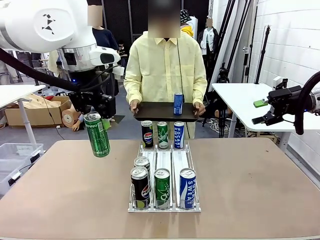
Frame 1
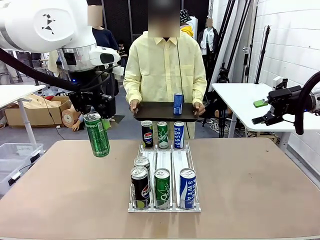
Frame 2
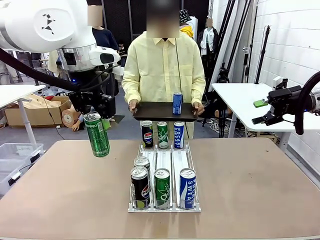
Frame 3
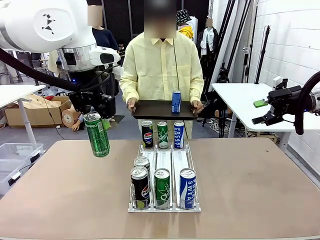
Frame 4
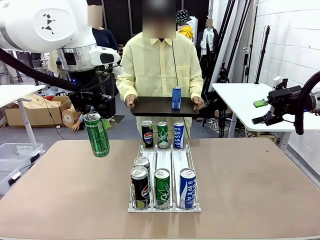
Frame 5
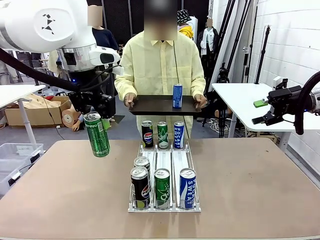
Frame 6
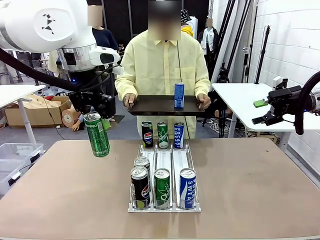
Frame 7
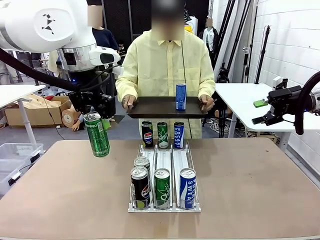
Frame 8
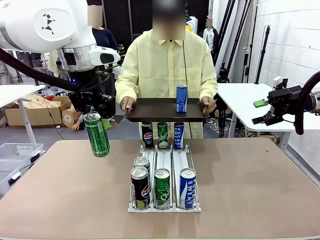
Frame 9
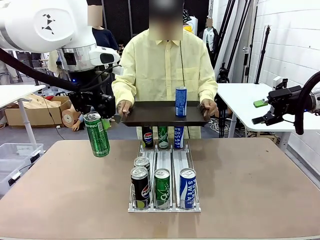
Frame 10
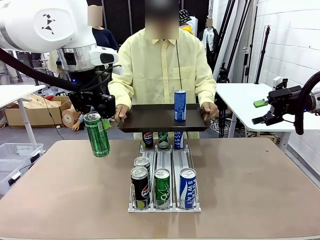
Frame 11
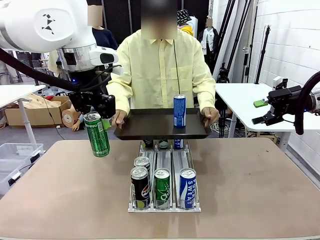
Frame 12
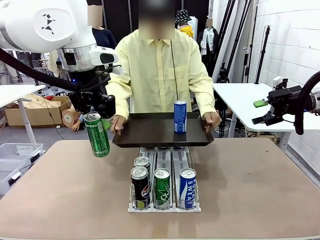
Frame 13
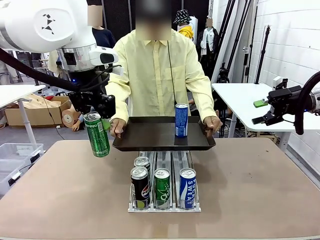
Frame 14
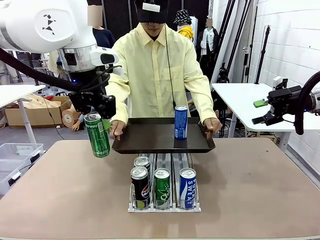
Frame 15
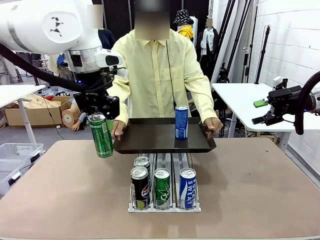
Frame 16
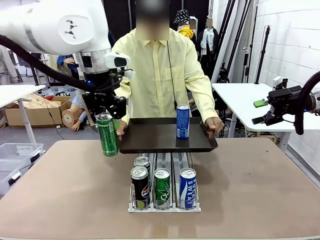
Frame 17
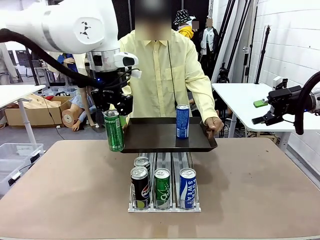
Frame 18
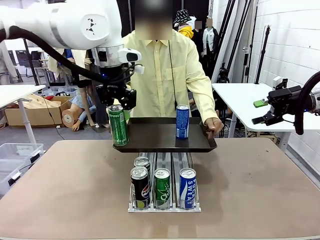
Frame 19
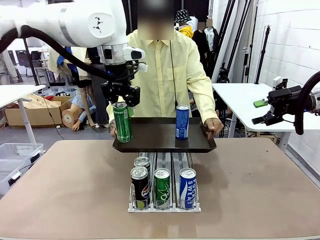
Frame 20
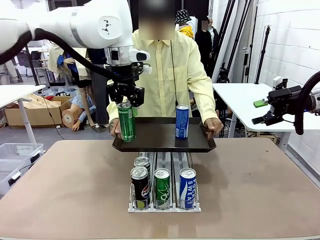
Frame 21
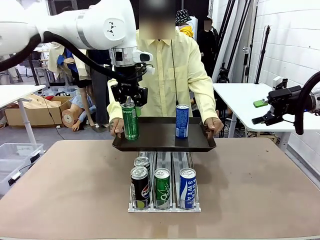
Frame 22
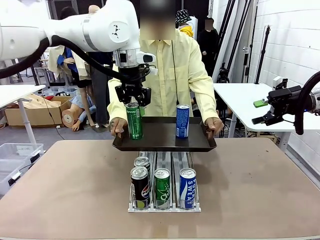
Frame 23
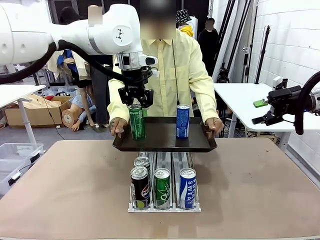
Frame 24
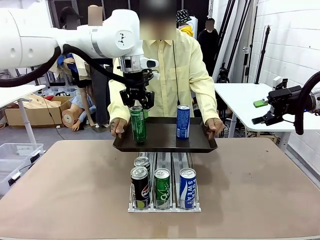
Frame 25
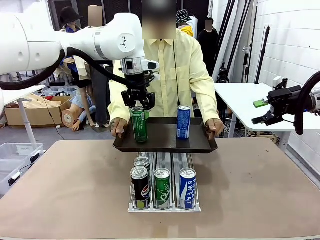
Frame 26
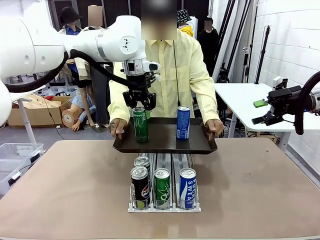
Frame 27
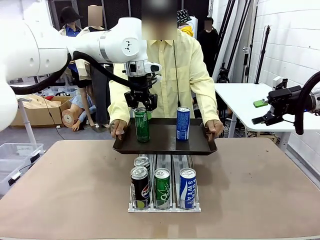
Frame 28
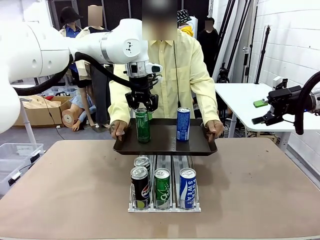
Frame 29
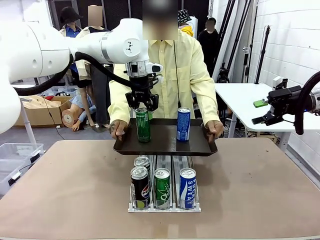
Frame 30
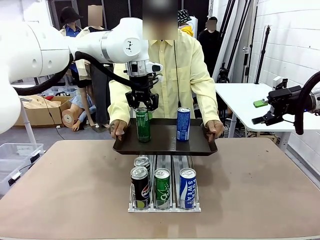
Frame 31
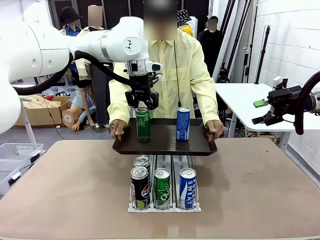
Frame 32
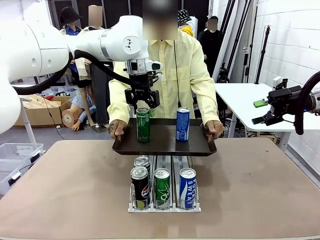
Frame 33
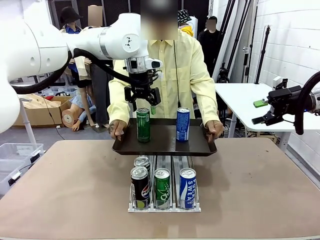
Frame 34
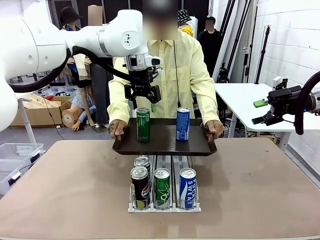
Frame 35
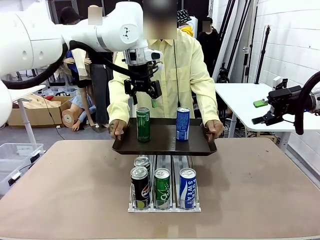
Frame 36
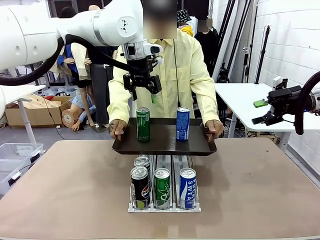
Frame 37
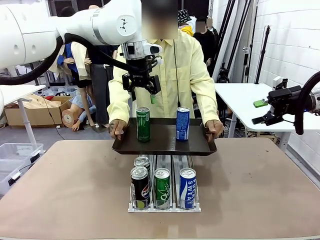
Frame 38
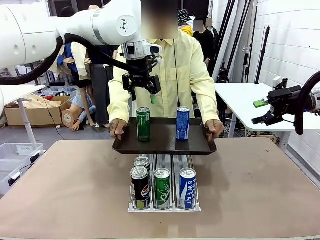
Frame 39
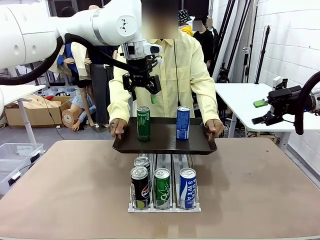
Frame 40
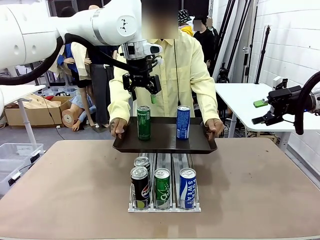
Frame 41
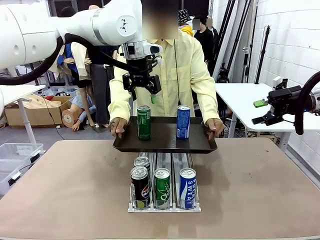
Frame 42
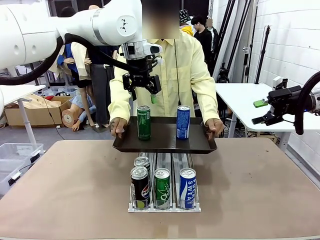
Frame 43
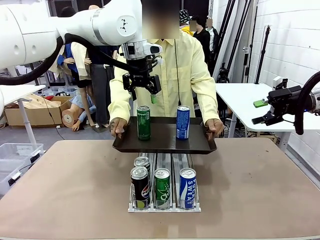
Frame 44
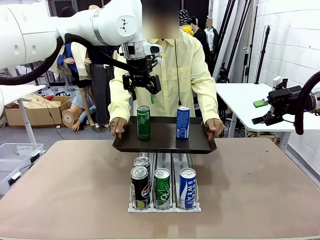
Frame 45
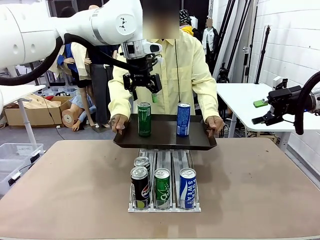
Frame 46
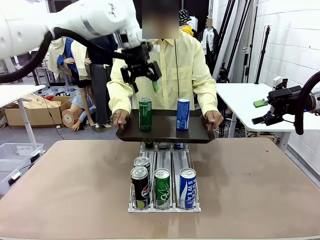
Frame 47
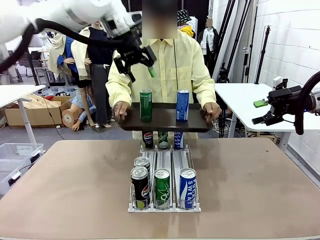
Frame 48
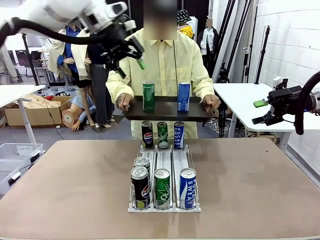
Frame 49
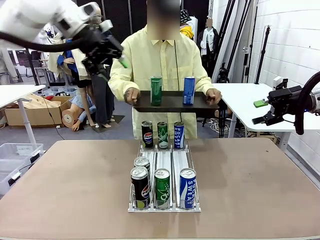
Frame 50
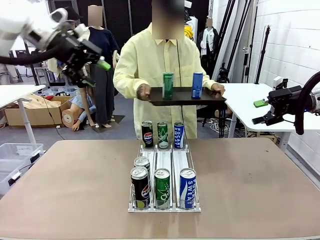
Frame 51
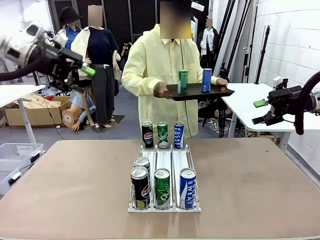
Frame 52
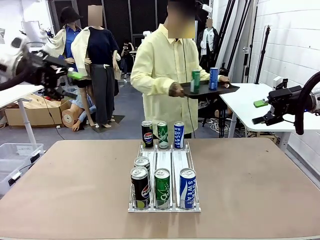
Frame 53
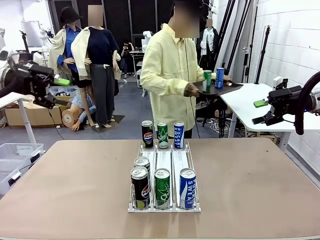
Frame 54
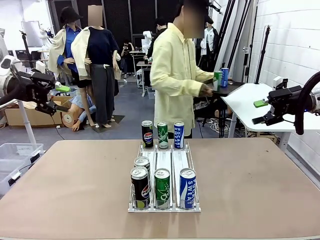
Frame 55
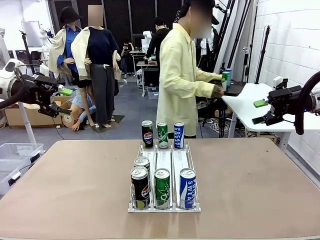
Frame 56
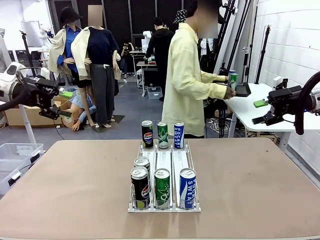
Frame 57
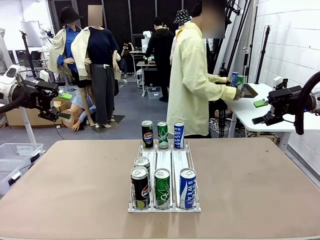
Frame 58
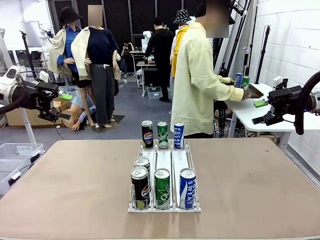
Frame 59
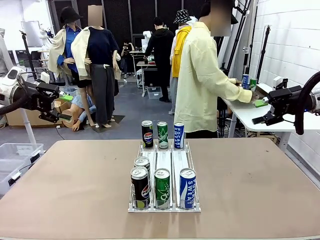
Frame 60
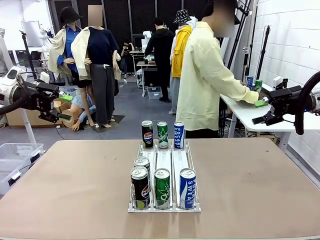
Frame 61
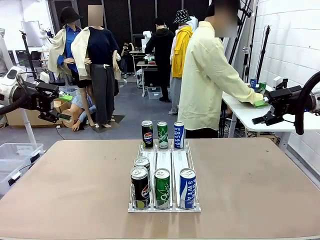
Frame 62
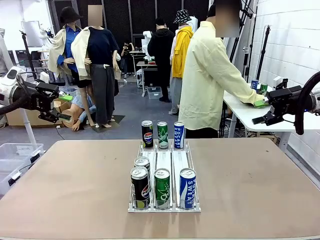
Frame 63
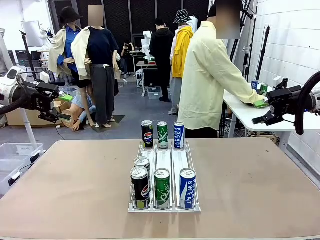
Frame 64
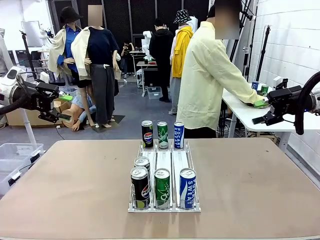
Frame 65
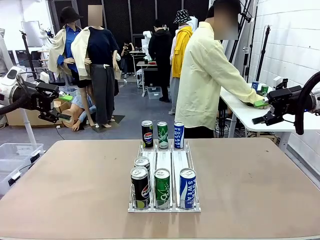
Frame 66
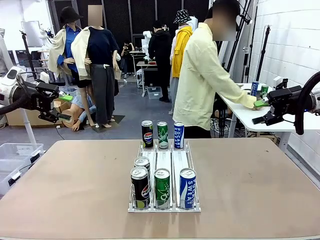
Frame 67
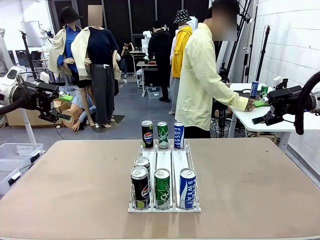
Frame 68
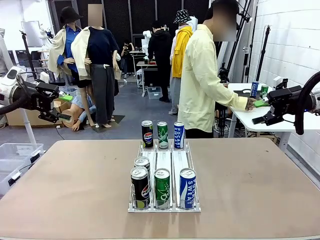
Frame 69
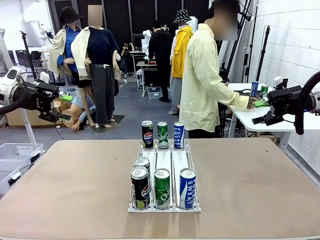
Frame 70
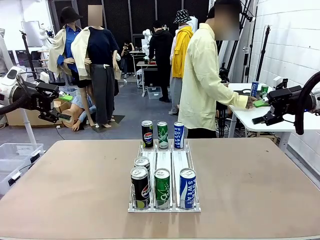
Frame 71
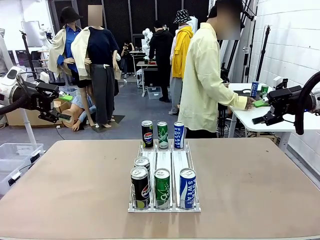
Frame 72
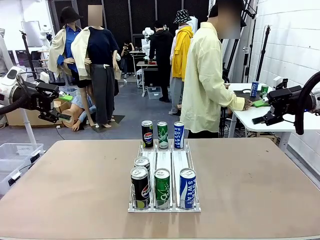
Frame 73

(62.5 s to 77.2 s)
Task: Retrieve and hand over the desired beverage to the person.
Robot: Place the picked can on the Handle tray extended by the person.
Person: Pull the tray back and place it at the center of the human table.

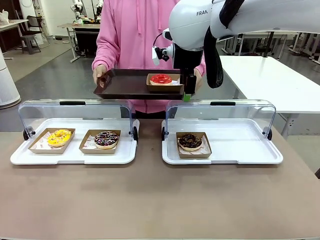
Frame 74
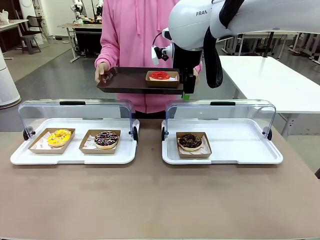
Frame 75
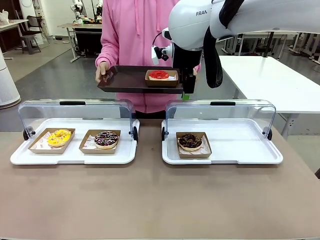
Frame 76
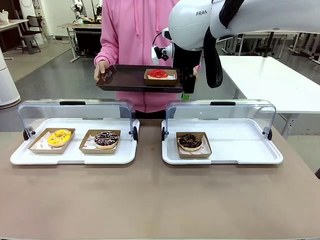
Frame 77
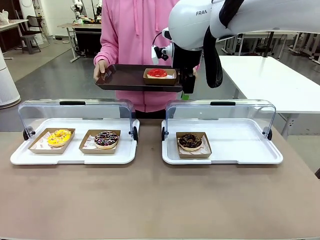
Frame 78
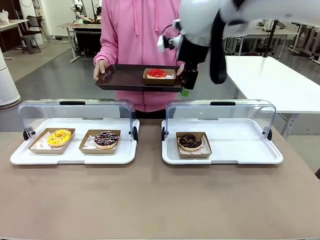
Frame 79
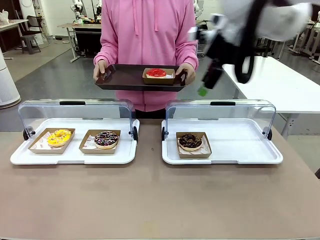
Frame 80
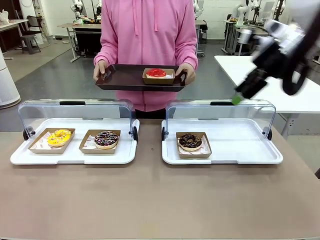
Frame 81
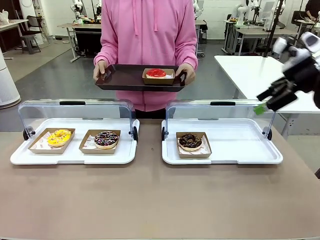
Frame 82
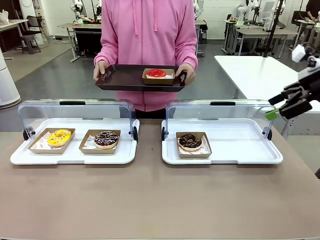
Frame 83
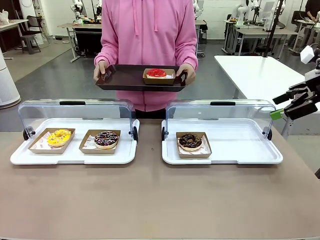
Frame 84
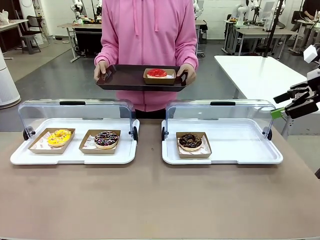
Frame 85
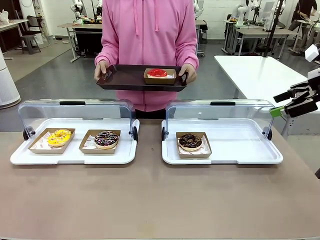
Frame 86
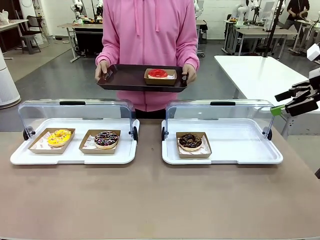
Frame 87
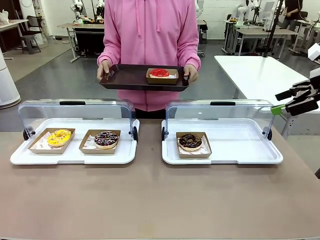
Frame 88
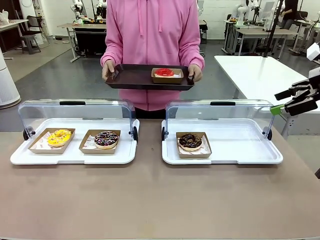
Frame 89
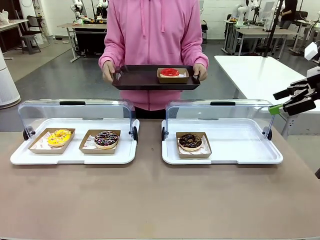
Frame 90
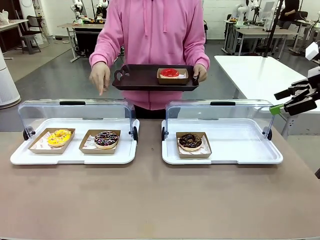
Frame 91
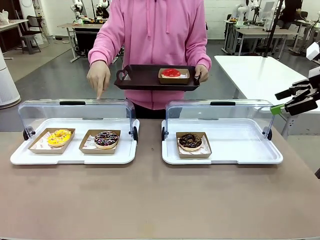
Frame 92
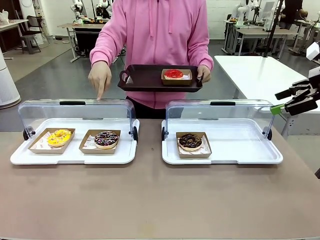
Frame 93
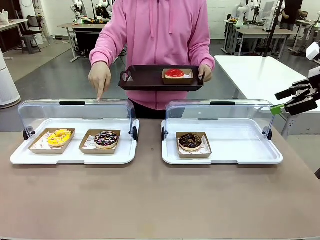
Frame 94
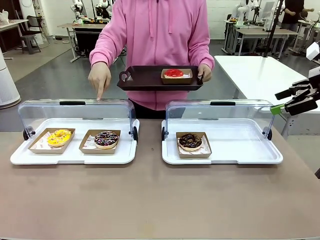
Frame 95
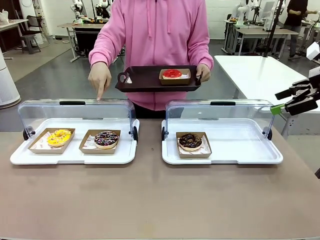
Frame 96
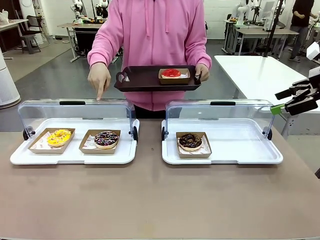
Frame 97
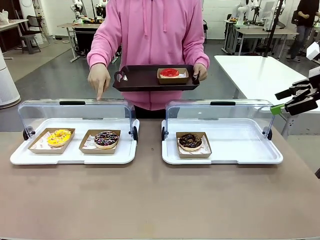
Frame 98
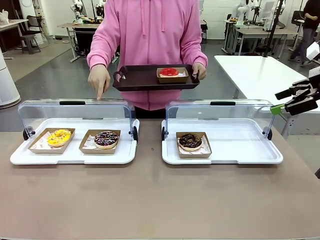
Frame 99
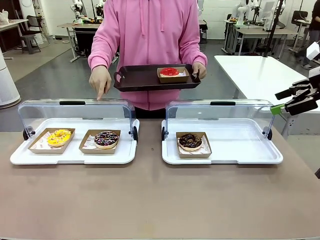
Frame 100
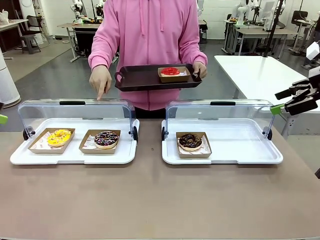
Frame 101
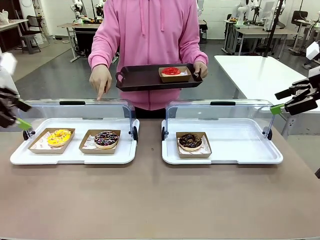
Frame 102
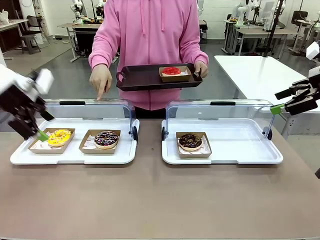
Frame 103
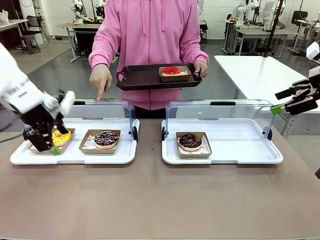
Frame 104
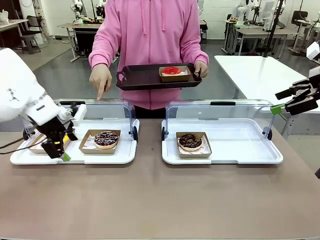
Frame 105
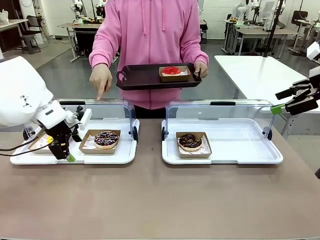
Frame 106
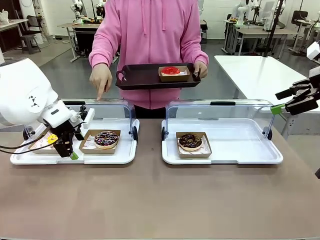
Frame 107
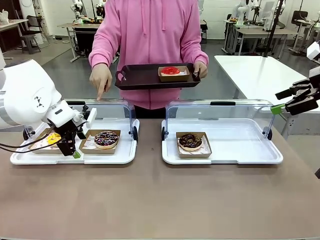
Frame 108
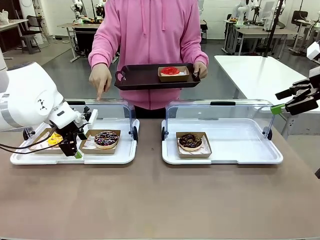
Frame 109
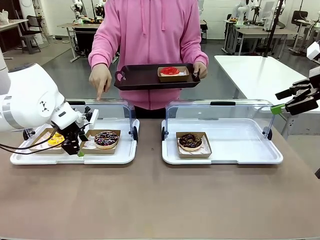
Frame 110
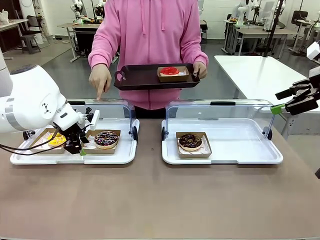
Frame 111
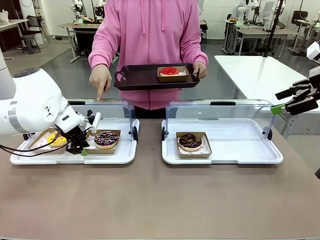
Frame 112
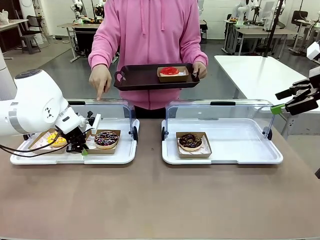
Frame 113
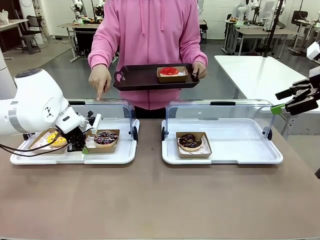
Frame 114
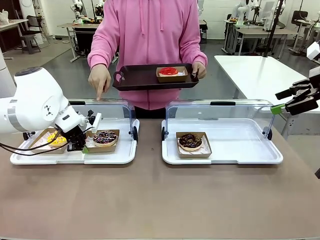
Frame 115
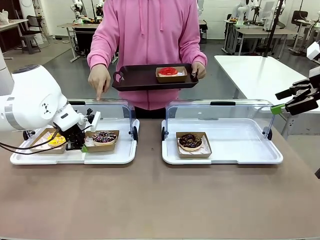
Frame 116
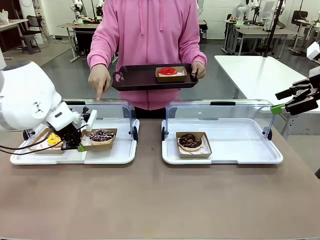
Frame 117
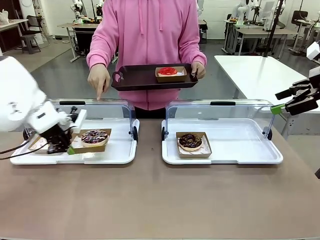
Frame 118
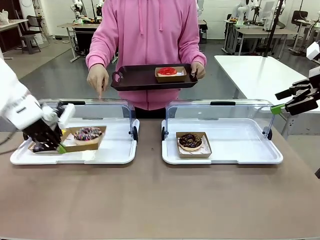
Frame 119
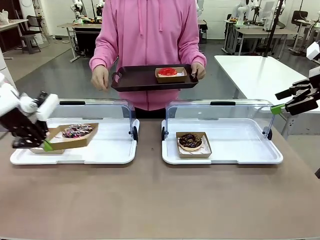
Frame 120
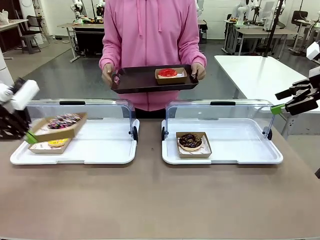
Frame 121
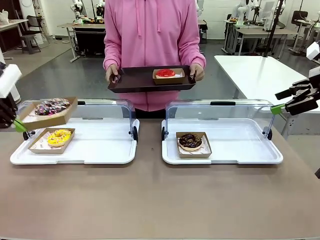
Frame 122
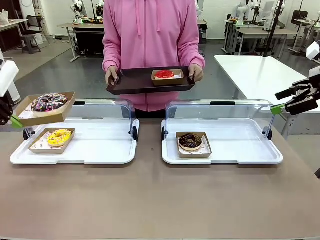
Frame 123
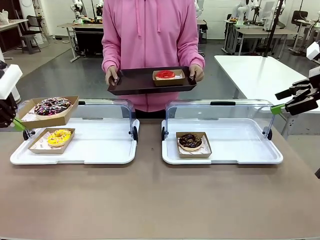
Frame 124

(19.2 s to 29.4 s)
Task: Provide the desired donut to the person.
Robot: Pick up and lift the Paper togo box containing the Donut pointed at by the person.
Person: Lift the tray onto the Roll-Top Bakery Case.
